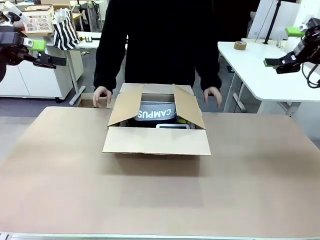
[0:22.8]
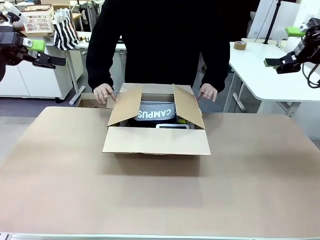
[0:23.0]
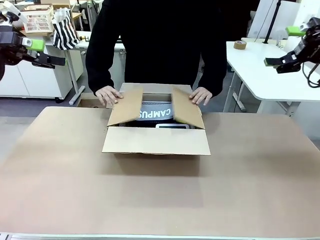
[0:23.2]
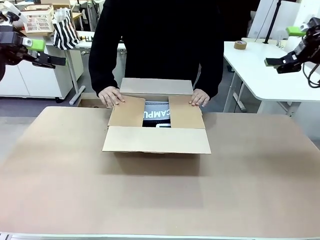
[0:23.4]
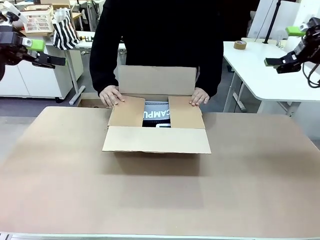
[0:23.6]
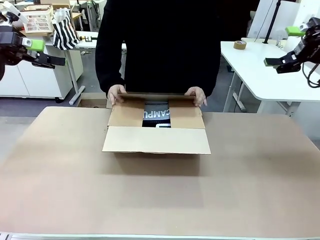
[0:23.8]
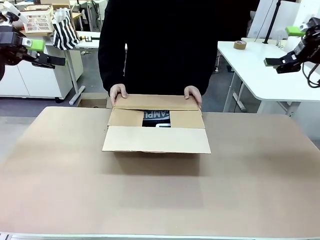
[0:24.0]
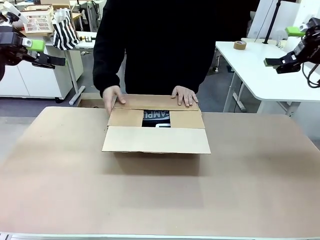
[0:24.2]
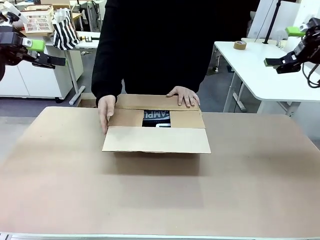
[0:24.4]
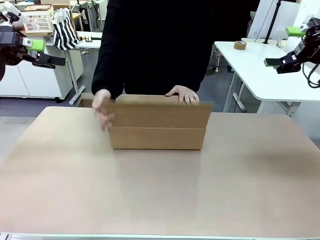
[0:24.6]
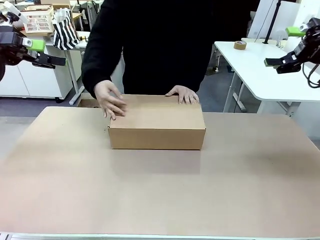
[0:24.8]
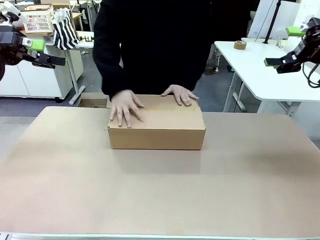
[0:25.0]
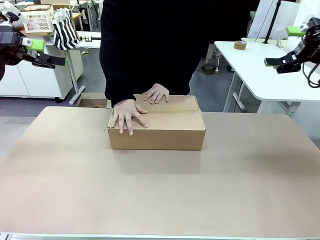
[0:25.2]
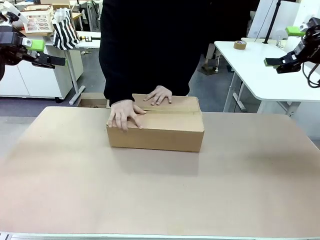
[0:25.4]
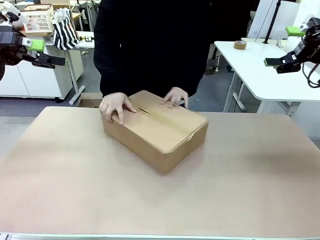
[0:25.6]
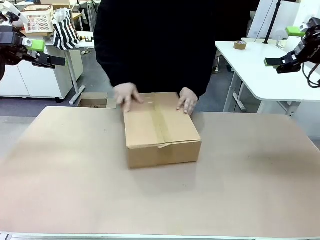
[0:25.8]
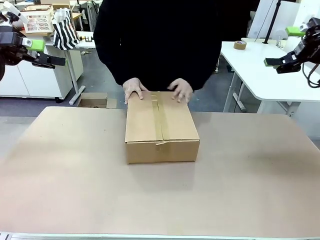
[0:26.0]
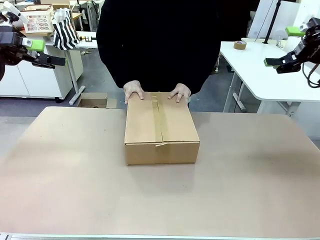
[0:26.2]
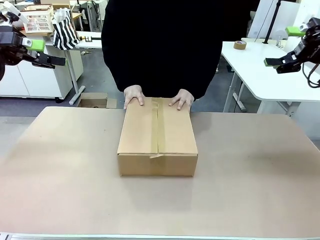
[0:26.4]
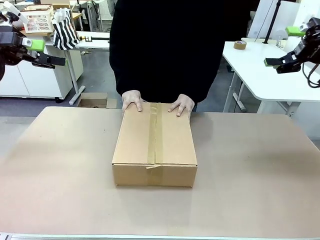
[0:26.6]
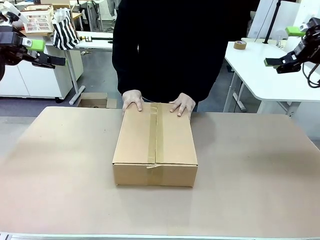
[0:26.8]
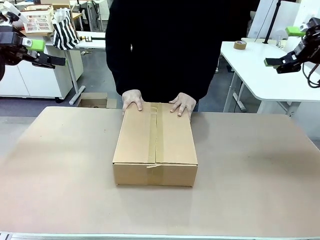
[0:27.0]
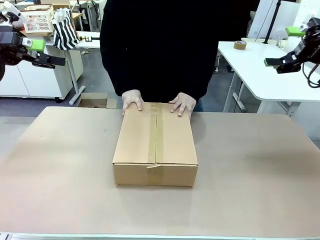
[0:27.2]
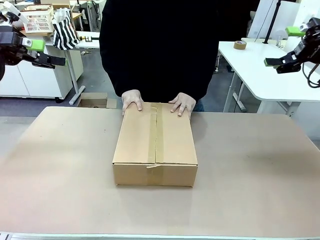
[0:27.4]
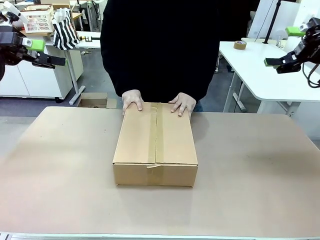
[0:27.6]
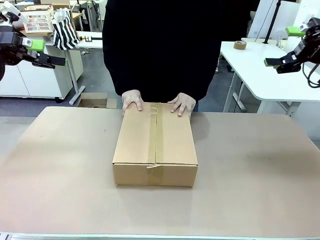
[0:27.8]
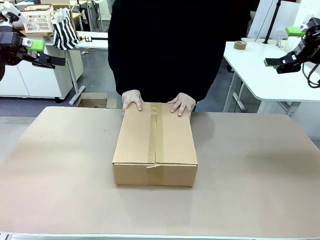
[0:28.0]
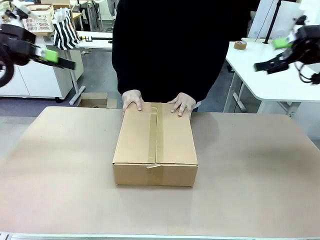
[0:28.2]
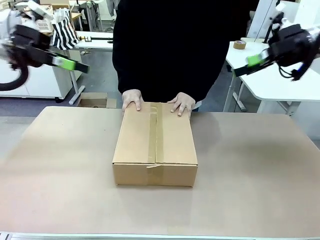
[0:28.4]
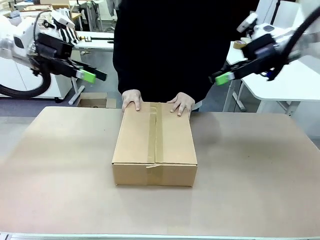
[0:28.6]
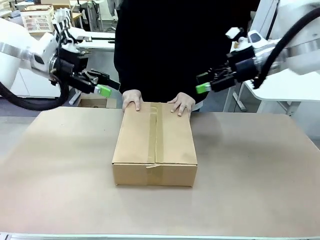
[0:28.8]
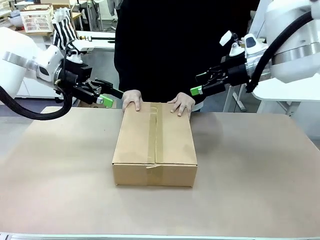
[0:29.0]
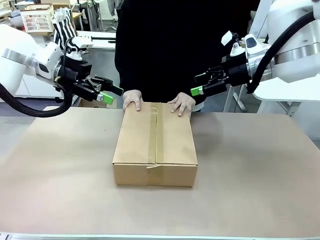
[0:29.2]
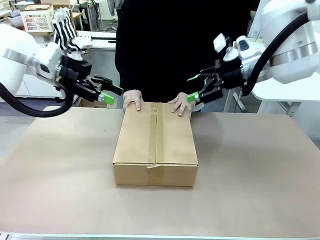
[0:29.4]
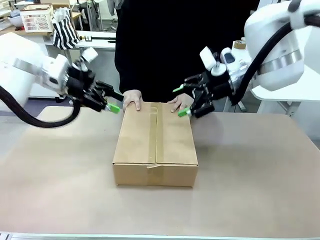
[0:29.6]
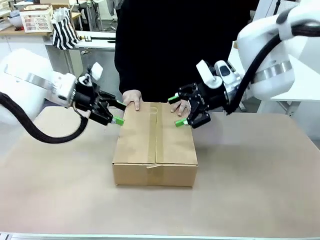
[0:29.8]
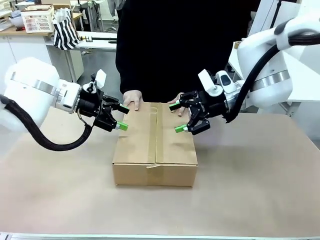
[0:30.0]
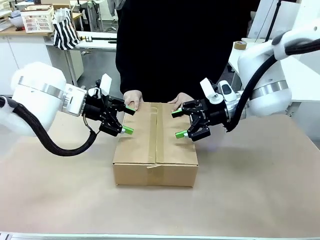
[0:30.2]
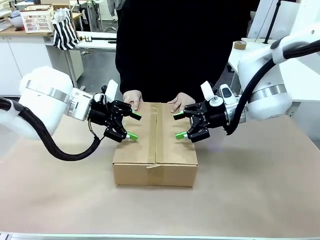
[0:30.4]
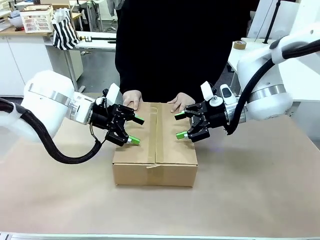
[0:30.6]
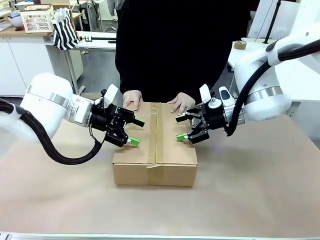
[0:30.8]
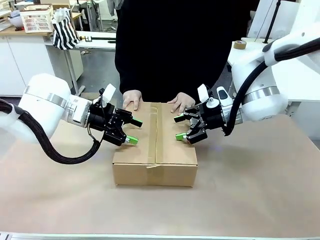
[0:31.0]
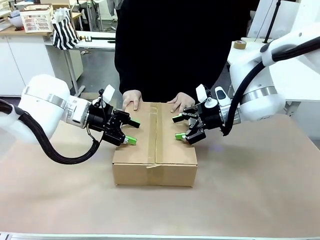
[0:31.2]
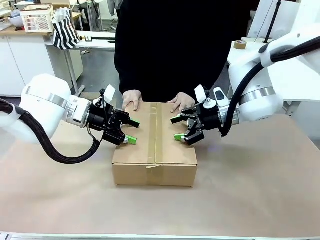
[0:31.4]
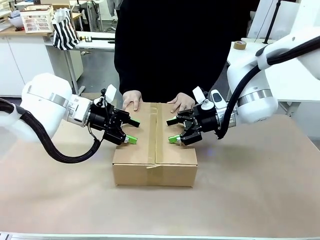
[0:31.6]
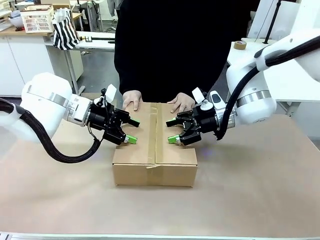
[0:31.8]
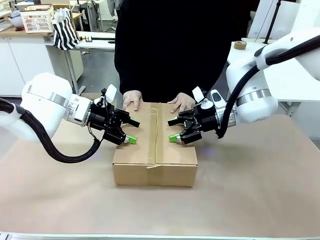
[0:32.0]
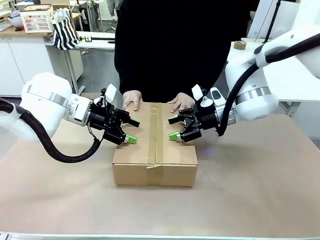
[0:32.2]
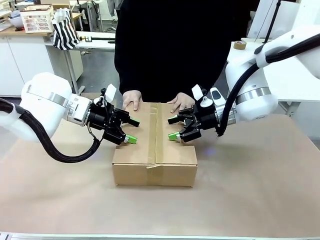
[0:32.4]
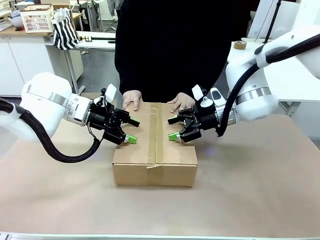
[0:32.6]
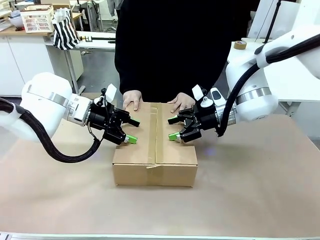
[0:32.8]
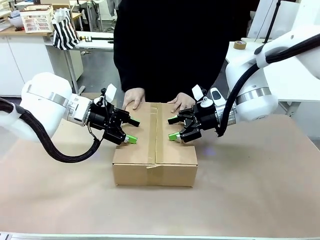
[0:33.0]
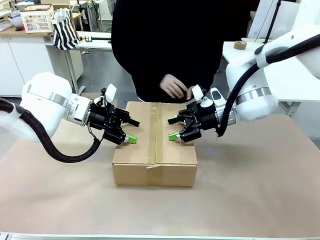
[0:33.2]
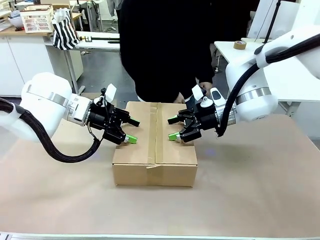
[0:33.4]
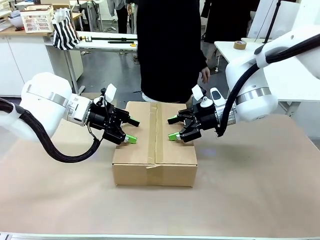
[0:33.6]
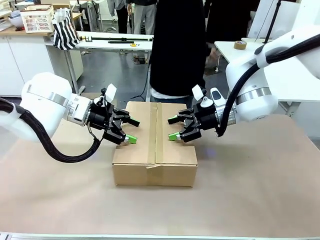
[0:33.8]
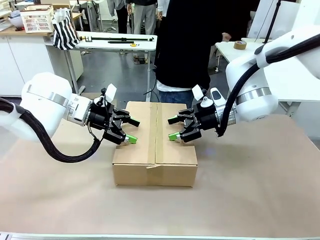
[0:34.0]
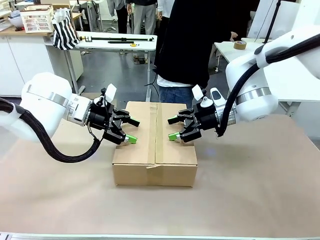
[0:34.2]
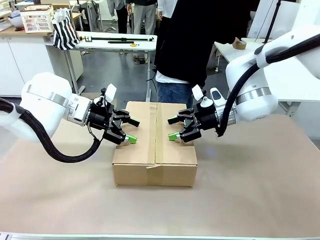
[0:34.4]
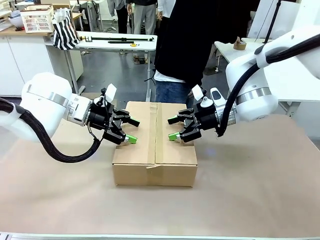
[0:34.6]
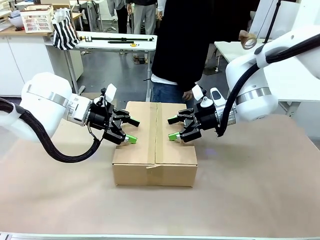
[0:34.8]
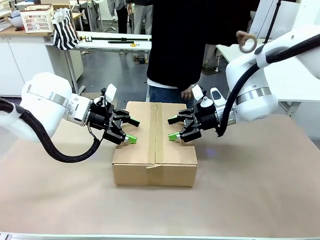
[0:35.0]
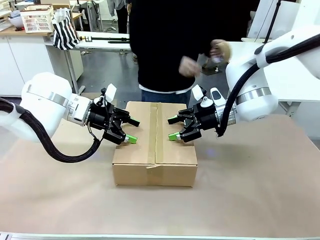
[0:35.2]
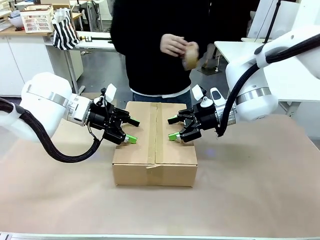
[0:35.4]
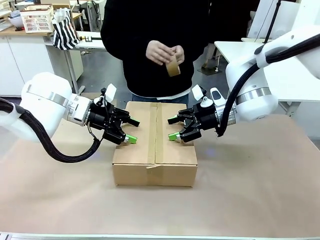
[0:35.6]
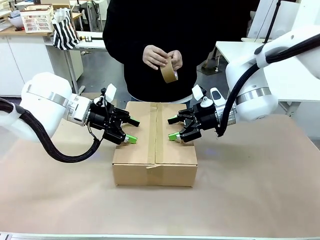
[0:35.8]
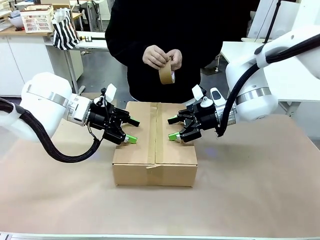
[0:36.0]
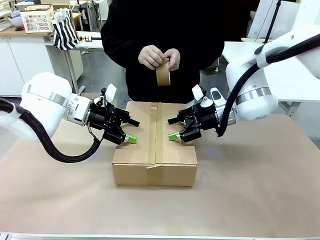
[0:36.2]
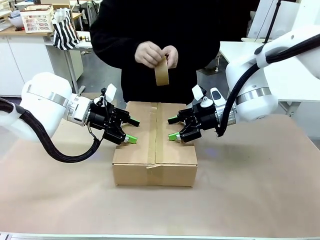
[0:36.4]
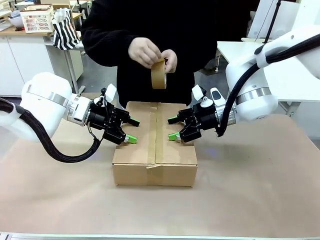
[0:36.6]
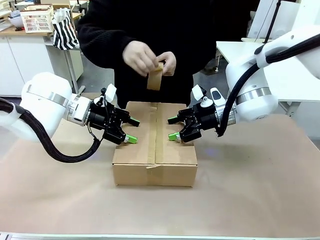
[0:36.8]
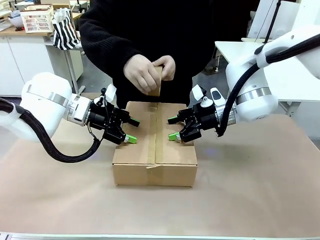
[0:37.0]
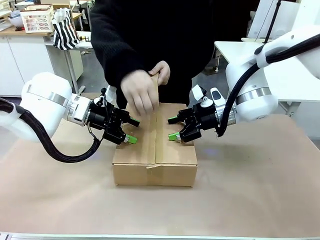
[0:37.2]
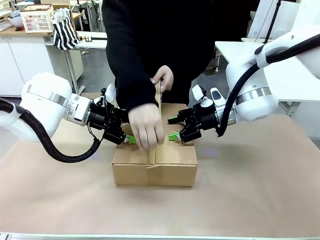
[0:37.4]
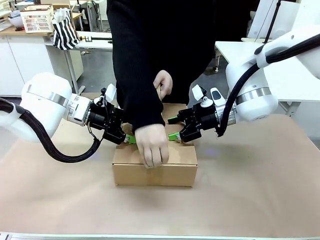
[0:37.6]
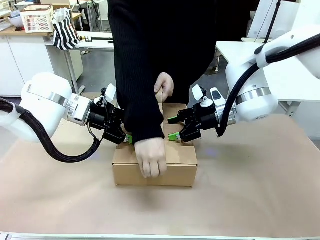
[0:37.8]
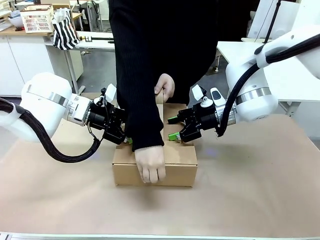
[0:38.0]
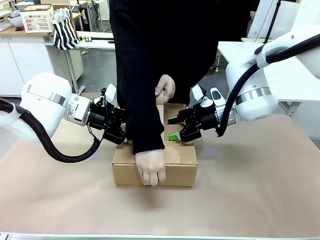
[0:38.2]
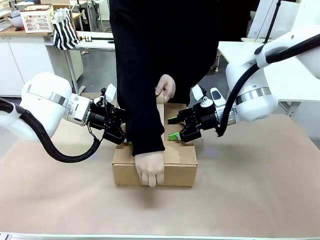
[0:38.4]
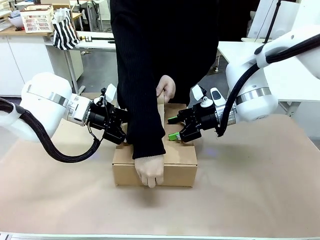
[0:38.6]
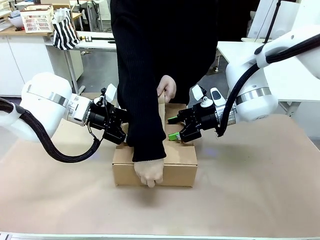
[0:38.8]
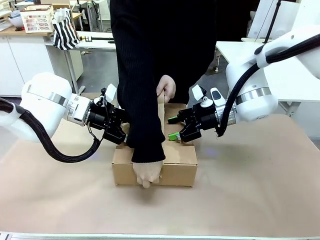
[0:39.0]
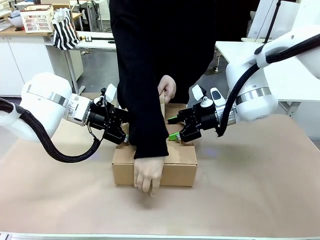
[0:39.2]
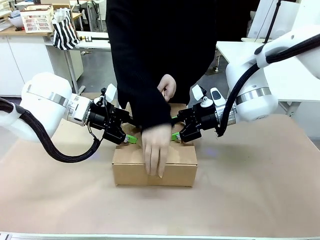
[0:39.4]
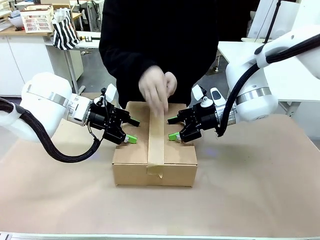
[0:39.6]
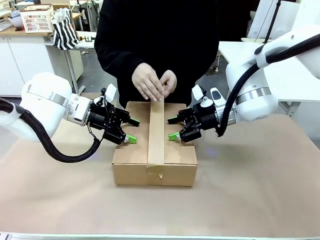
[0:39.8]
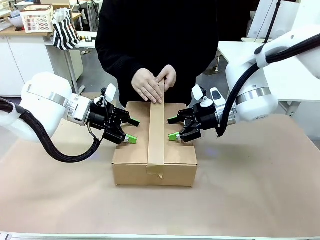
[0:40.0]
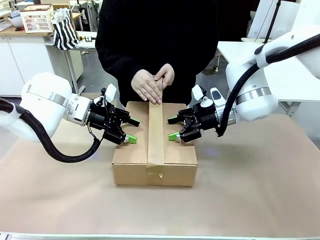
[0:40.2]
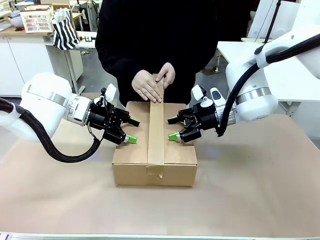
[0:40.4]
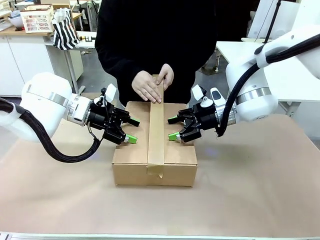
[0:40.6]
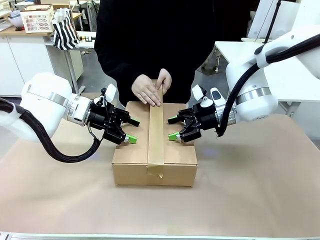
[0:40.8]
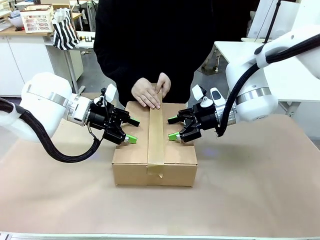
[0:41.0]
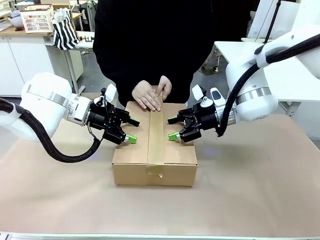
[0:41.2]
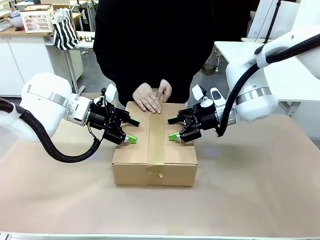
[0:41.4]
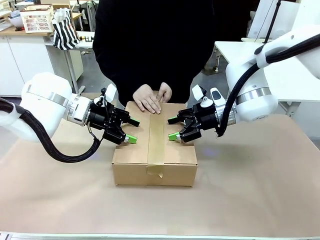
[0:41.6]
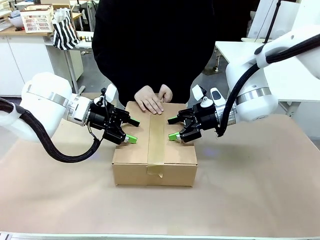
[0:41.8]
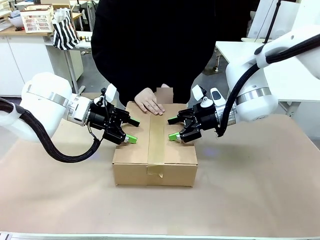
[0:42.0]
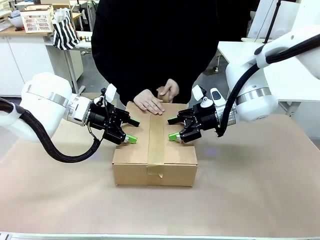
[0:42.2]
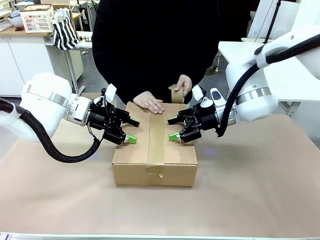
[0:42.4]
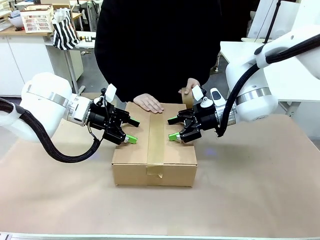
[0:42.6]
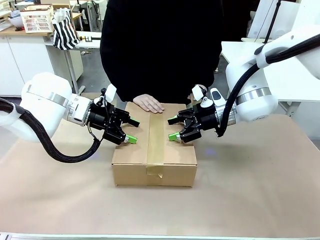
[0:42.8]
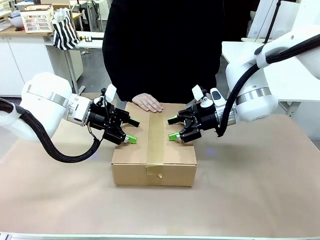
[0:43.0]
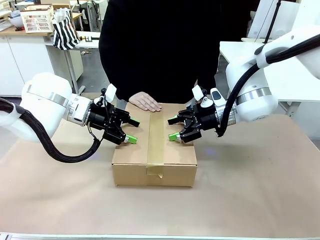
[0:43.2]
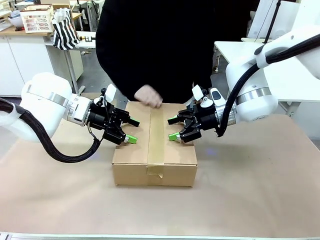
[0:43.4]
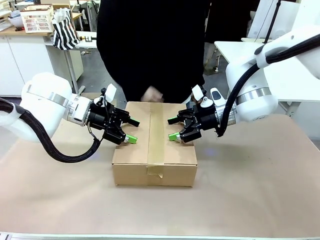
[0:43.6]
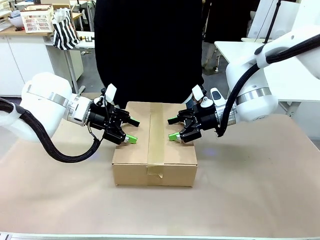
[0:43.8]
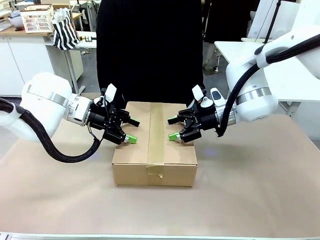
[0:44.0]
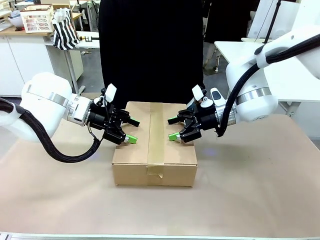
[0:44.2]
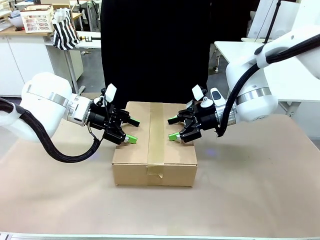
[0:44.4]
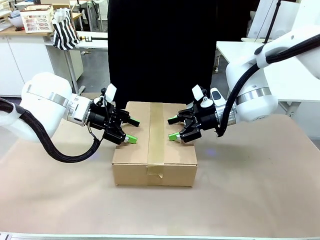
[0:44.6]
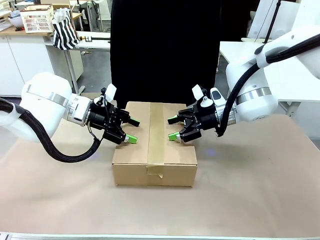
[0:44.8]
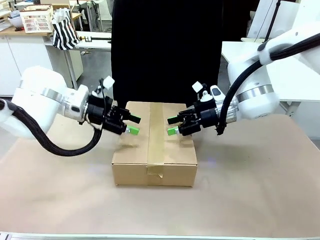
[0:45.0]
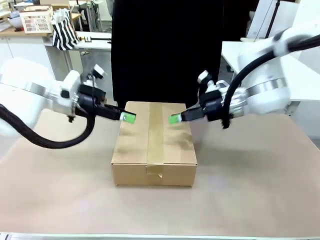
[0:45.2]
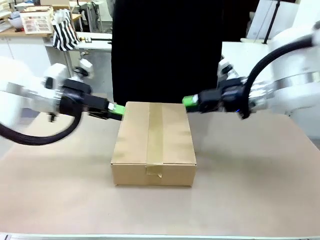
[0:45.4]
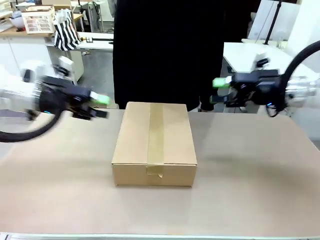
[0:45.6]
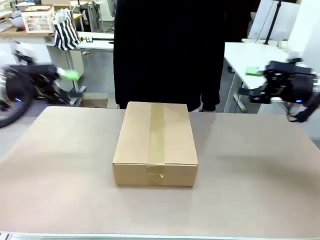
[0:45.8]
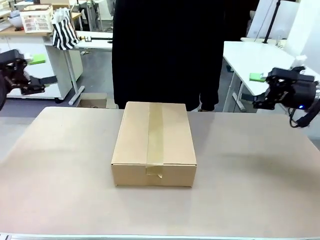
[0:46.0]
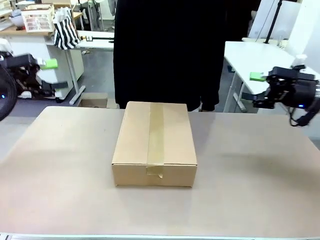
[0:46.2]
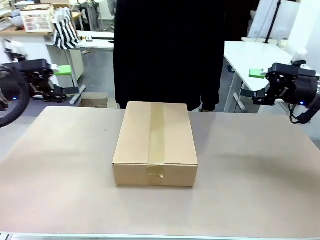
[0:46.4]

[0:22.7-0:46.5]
Task: Pack the gift set into the box.
Robot: Press and hold the closed box until the human finishes sealing it.
Person: The human closes the box and rotates the box by 90 degrees. The human picks up the paper tape from the human table and packs the box.
